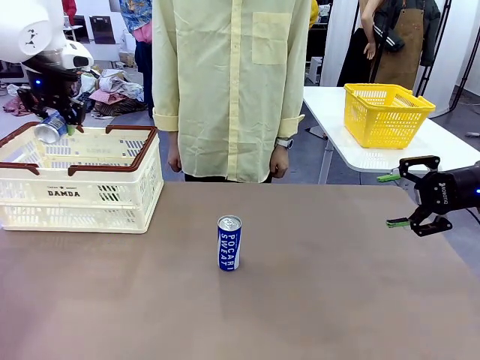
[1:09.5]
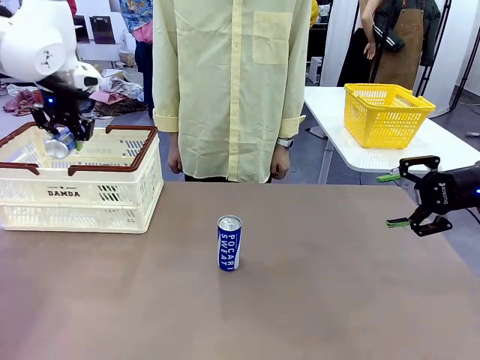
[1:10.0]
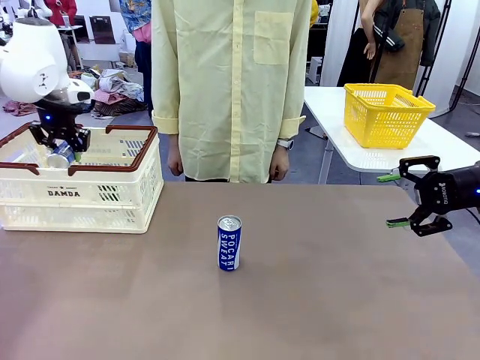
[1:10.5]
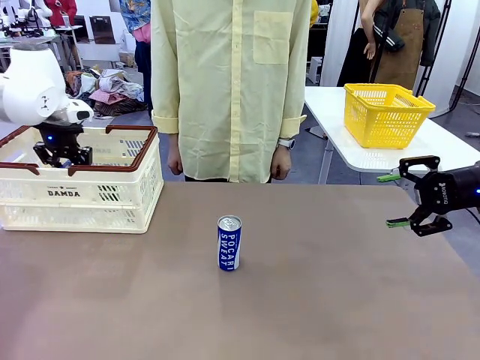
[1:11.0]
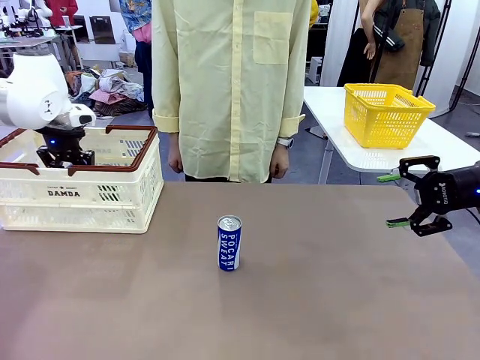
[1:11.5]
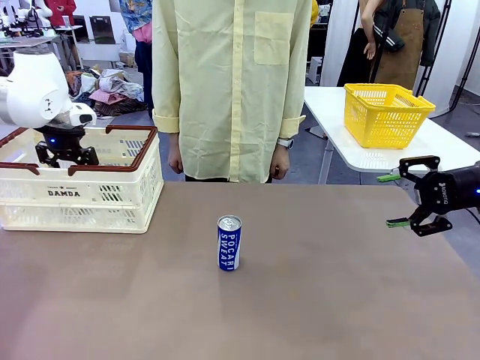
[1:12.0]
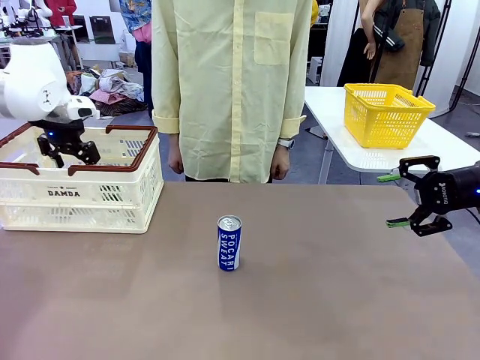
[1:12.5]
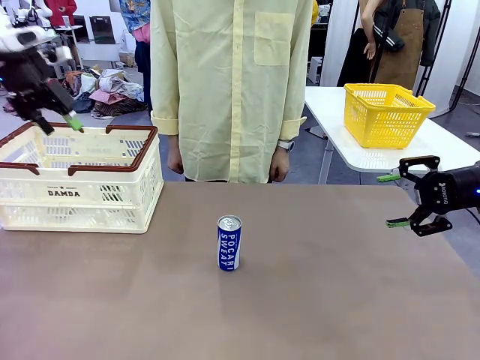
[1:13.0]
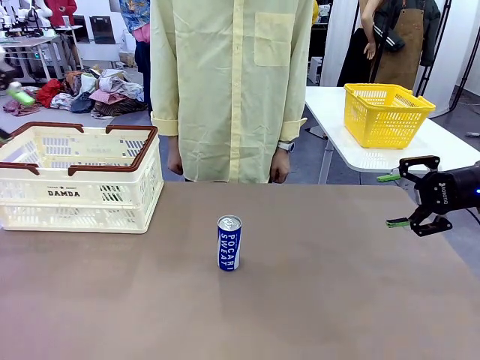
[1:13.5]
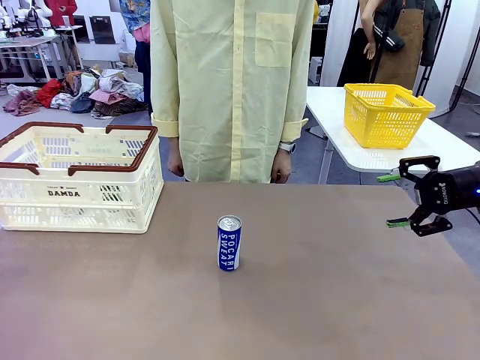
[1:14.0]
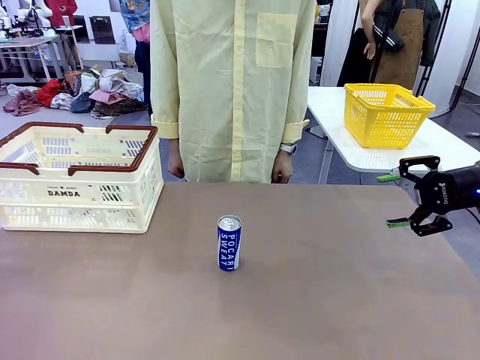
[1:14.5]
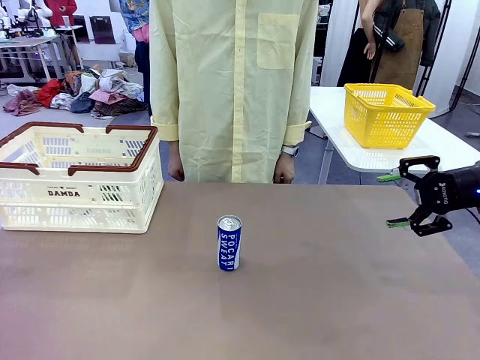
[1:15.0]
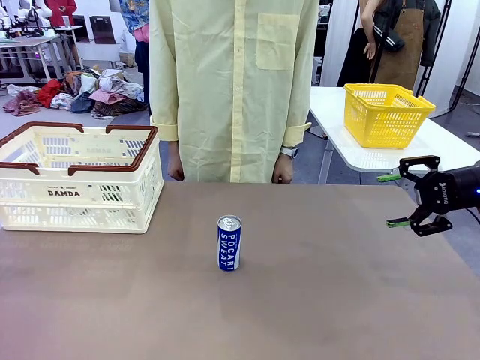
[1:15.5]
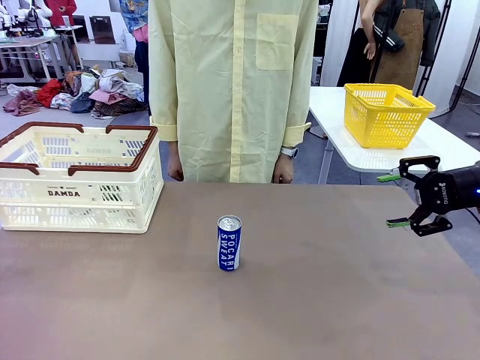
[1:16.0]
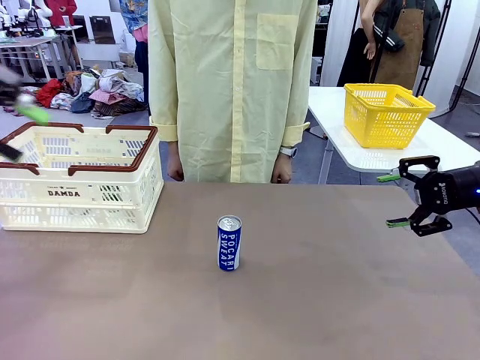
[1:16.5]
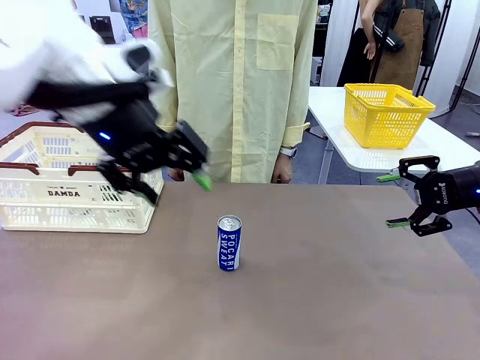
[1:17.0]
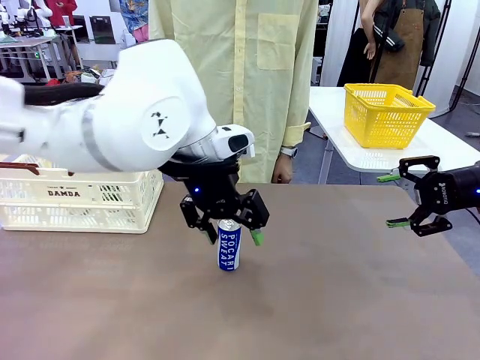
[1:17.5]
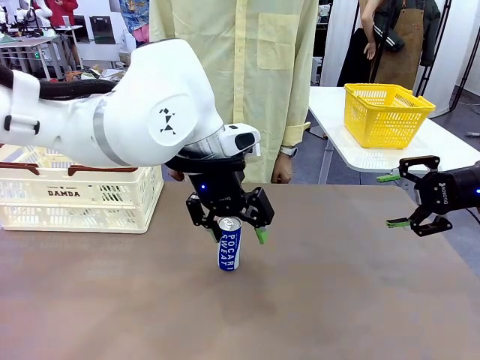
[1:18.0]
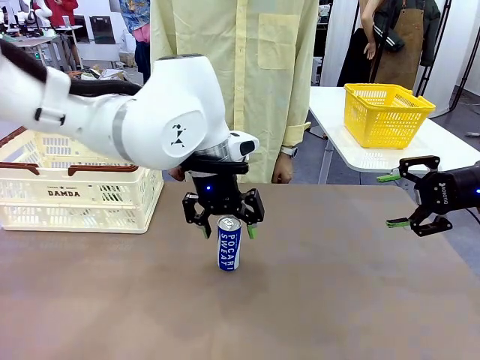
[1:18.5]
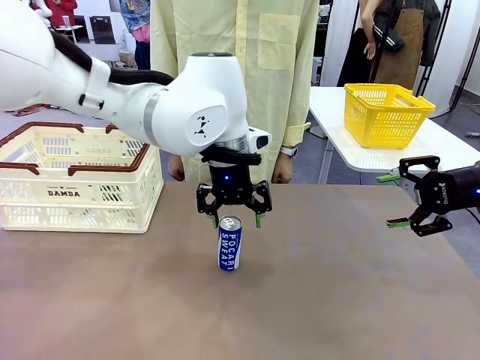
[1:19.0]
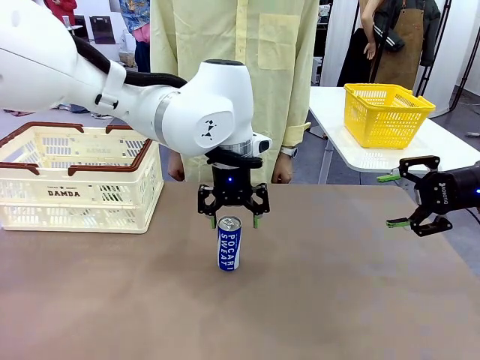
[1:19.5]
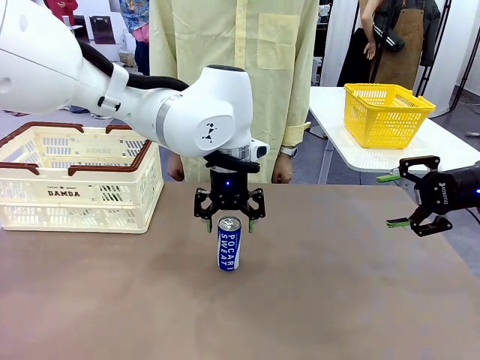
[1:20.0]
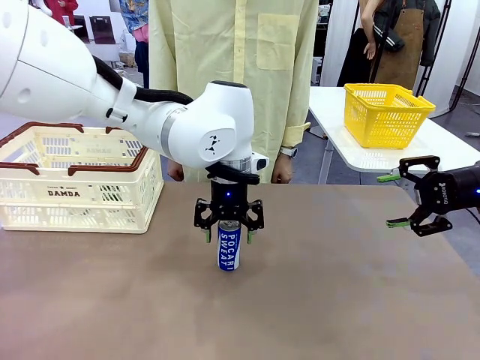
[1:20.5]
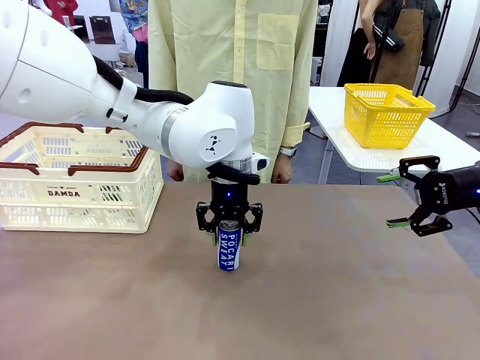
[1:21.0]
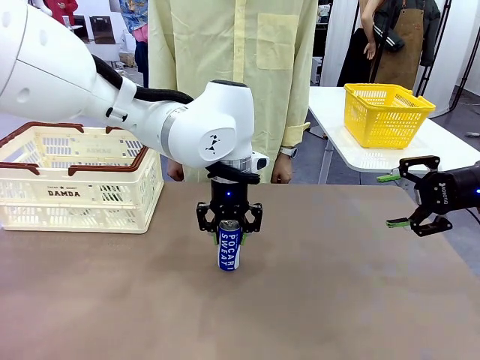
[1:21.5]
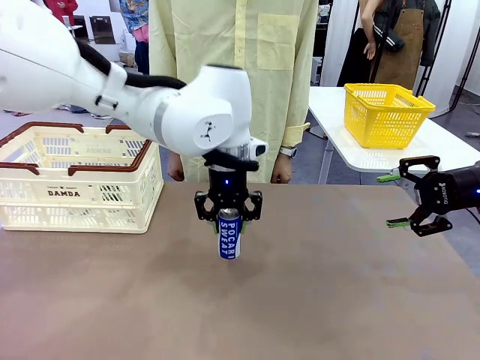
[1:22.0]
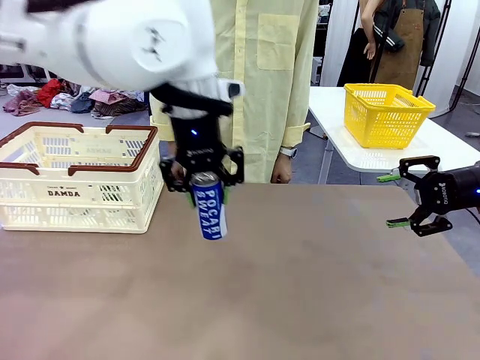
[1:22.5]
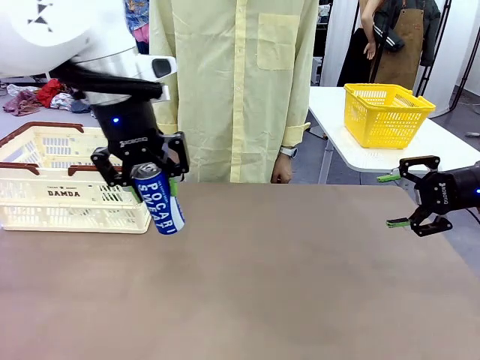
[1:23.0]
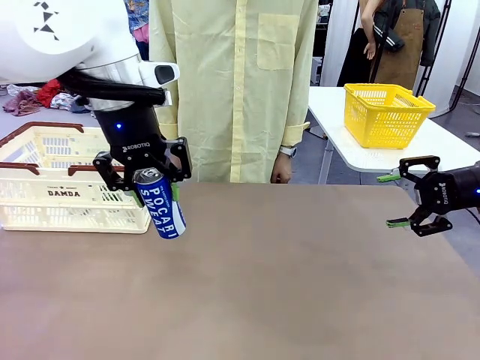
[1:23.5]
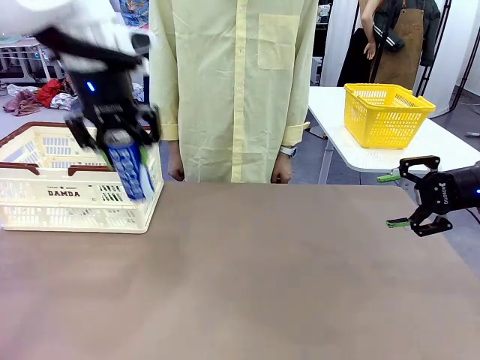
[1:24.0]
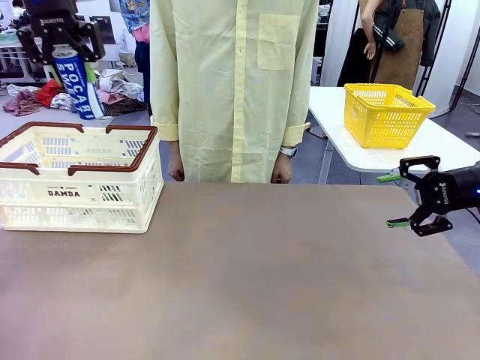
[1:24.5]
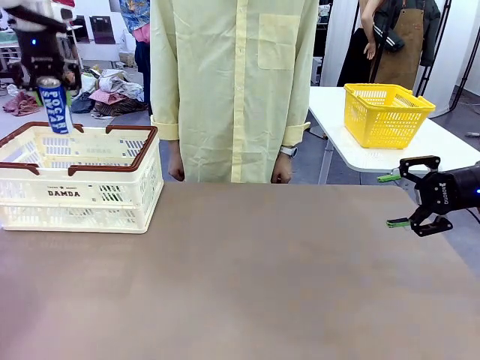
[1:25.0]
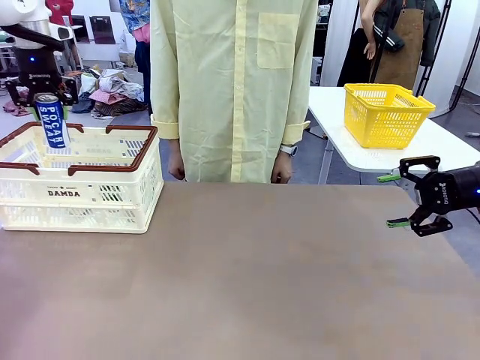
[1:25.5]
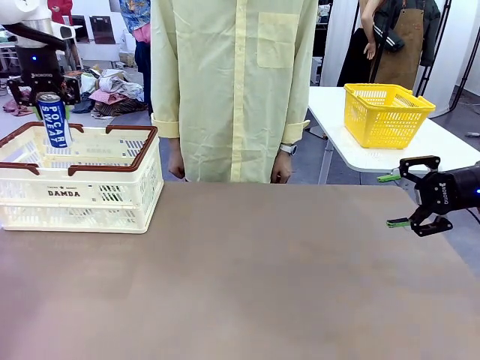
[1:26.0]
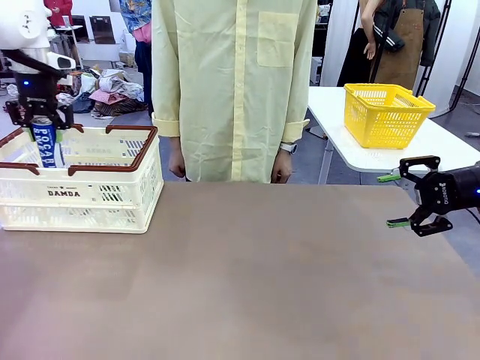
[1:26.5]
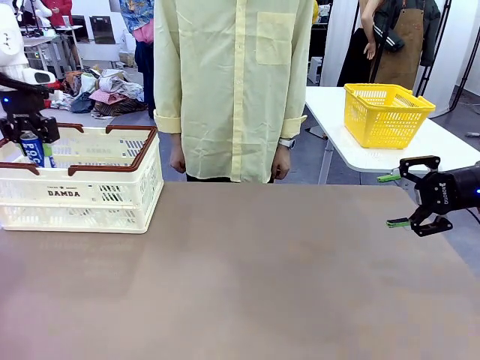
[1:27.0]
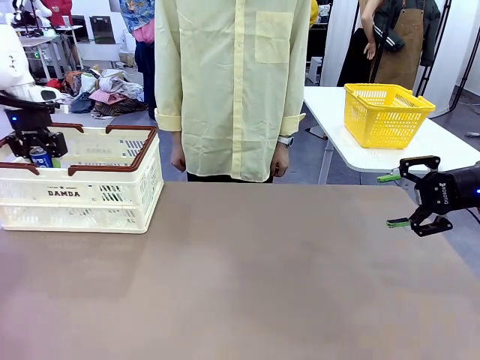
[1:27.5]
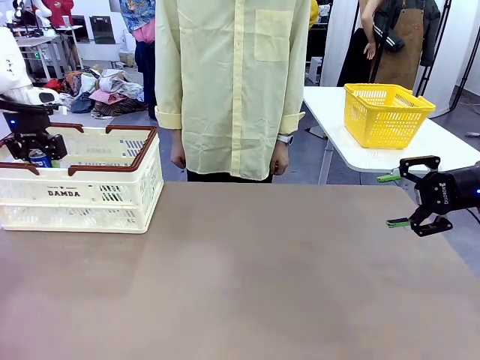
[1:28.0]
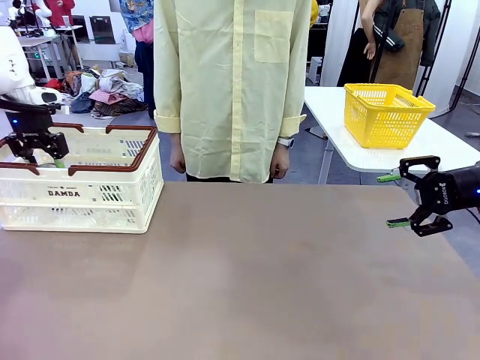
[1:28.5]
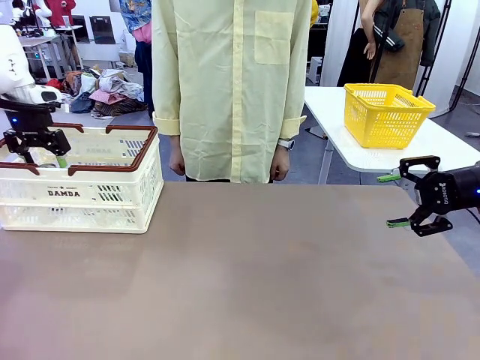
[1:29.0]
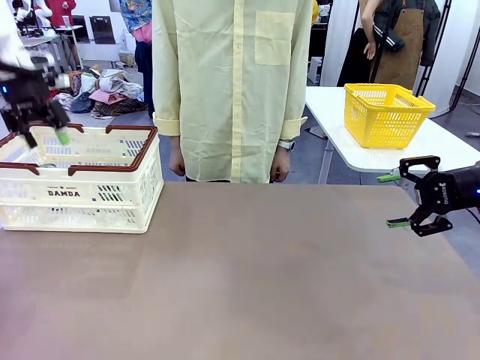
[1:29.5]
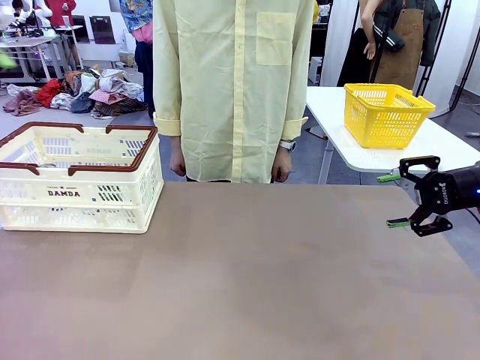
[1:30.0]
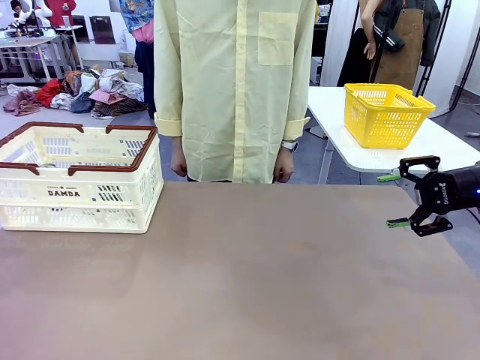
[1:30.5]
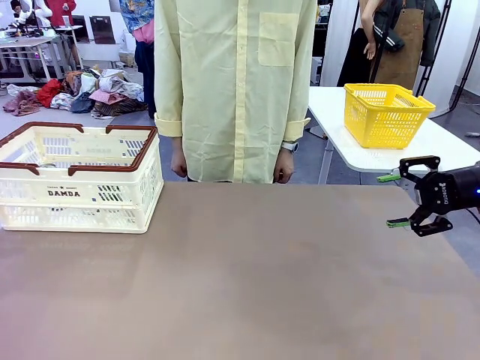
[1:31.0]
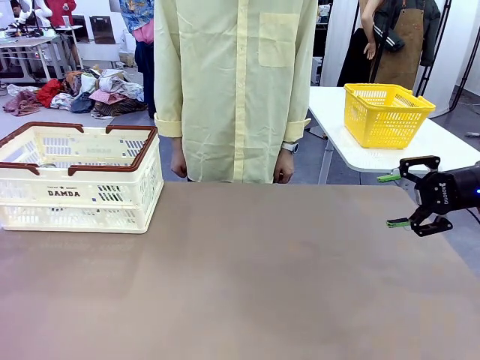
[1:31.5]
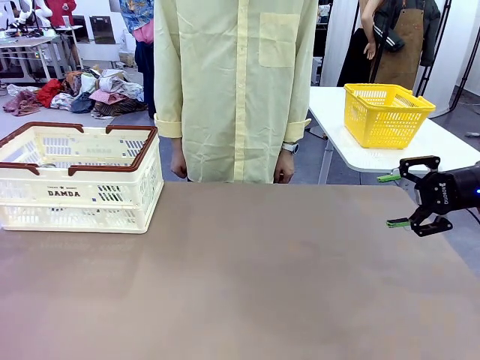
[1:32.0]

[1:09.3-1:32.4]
Task: Place the drinks into the Shopping basket.
Robot: Pick up one drink and place it into the Shopping basket.
